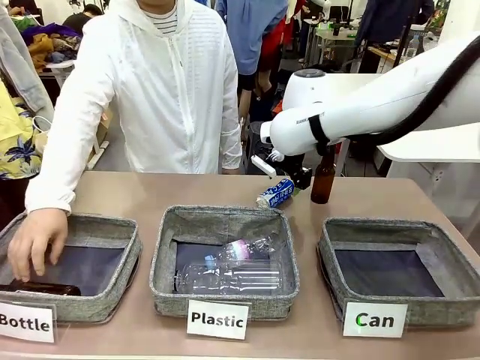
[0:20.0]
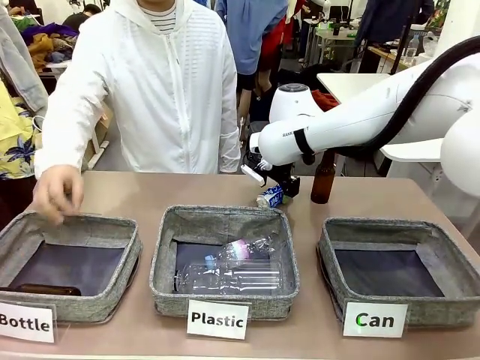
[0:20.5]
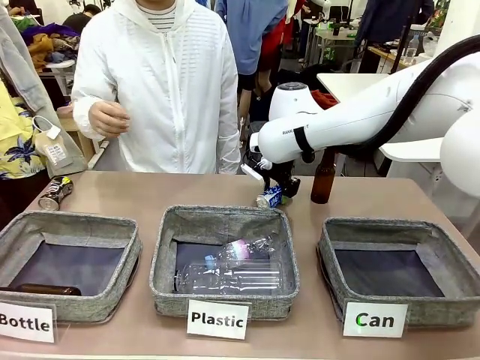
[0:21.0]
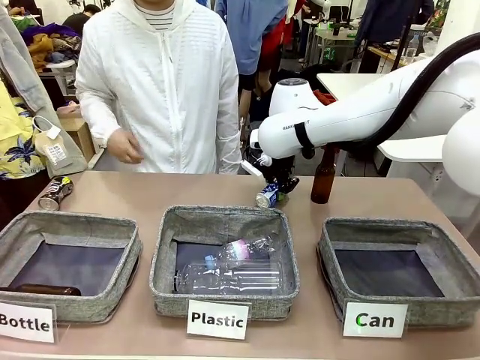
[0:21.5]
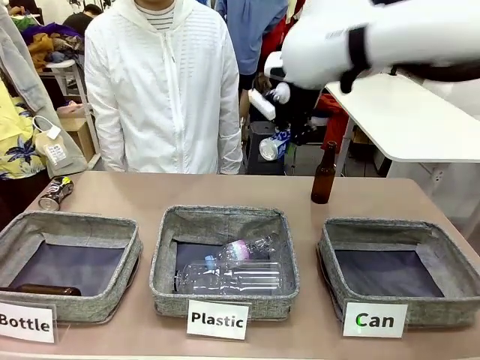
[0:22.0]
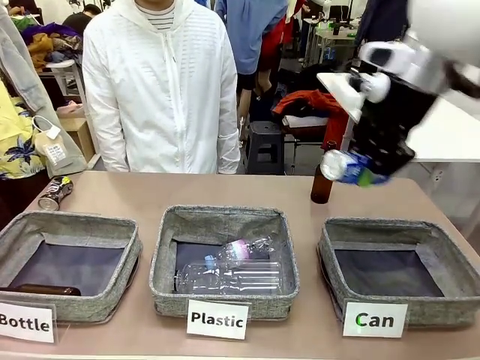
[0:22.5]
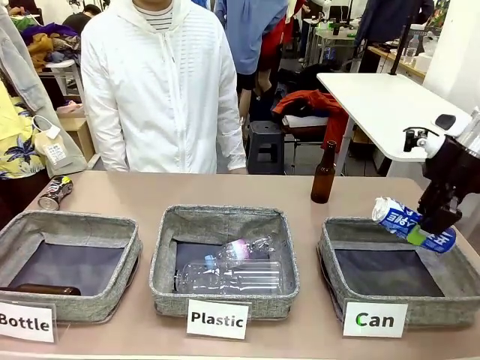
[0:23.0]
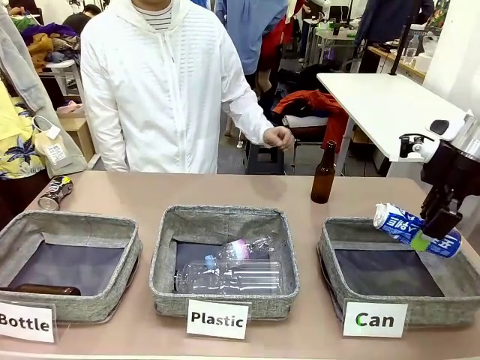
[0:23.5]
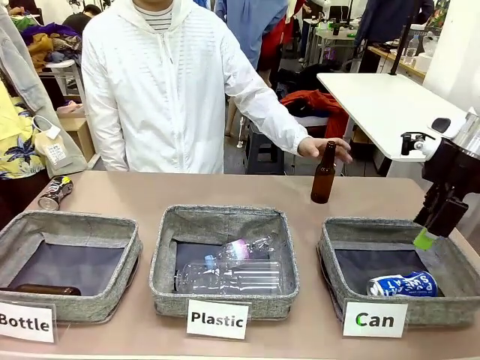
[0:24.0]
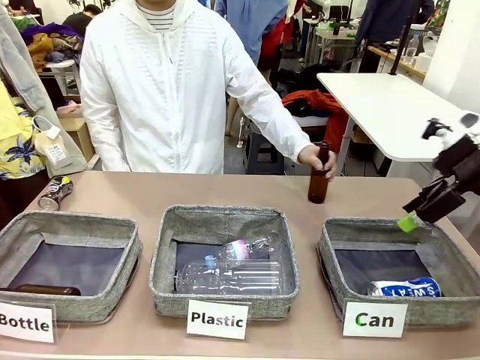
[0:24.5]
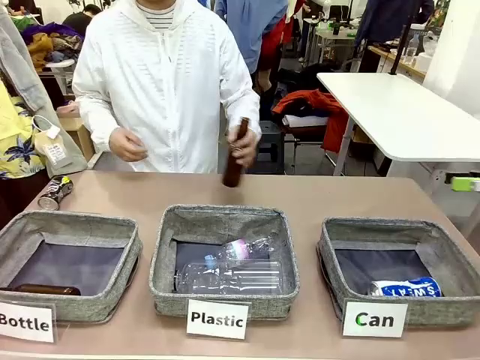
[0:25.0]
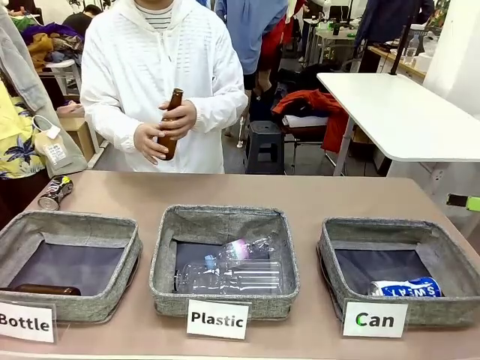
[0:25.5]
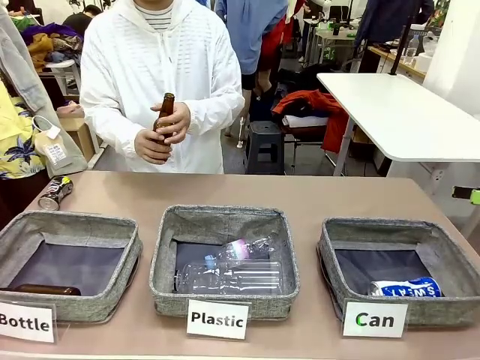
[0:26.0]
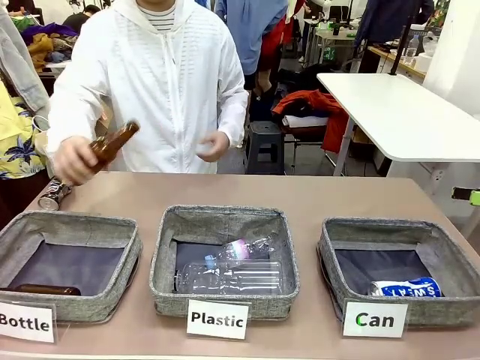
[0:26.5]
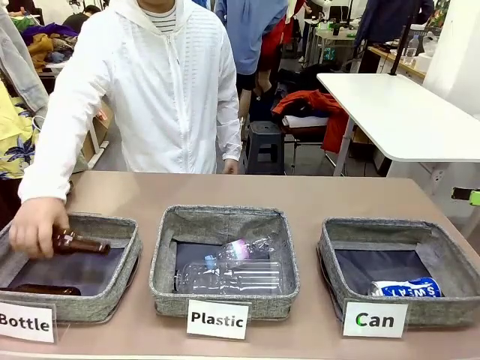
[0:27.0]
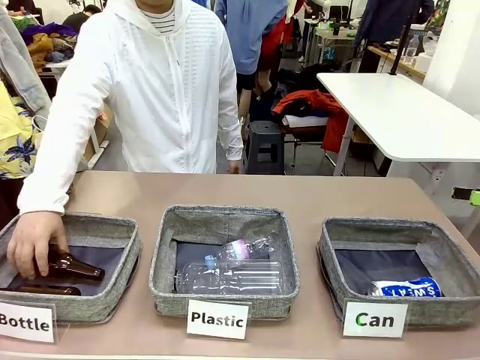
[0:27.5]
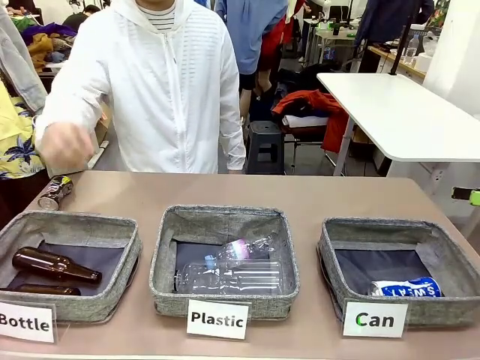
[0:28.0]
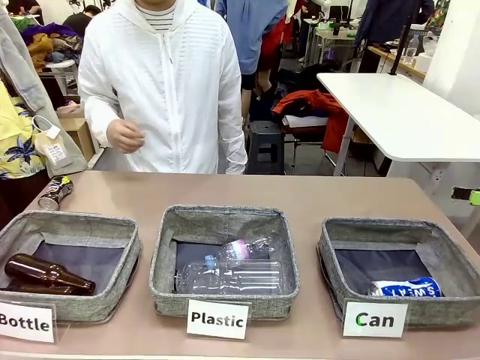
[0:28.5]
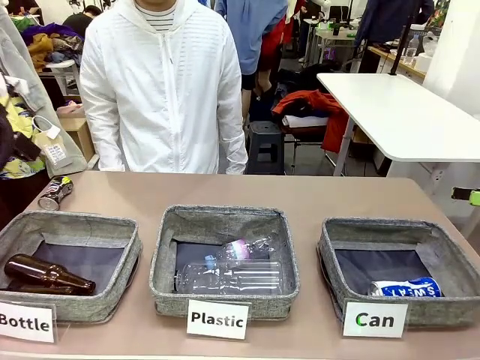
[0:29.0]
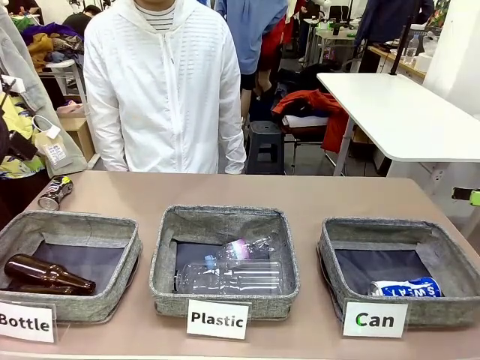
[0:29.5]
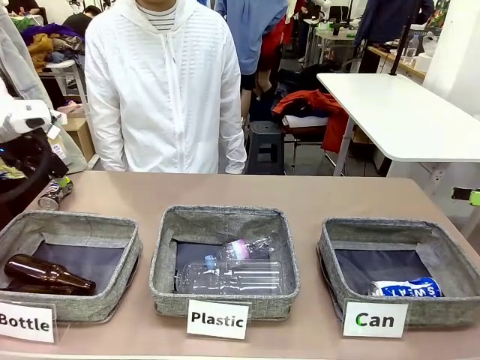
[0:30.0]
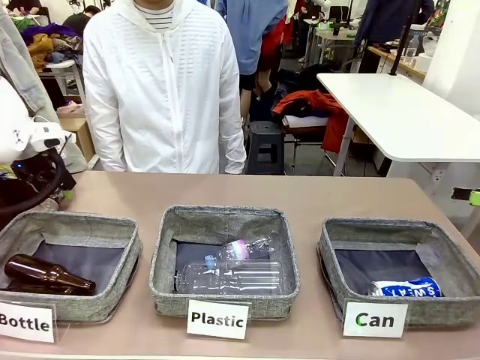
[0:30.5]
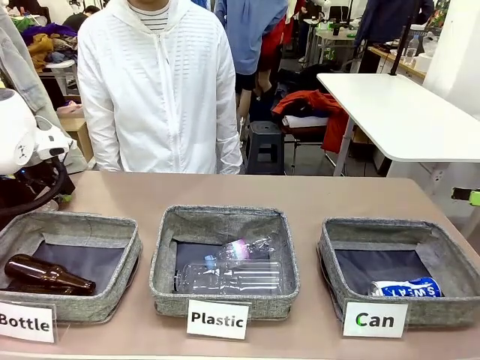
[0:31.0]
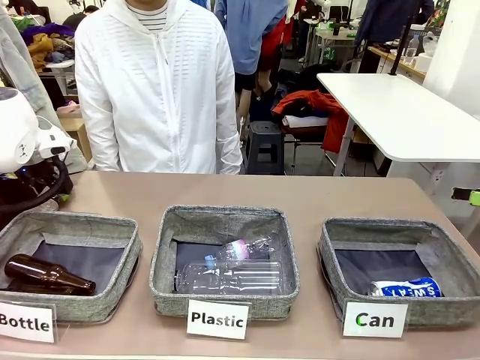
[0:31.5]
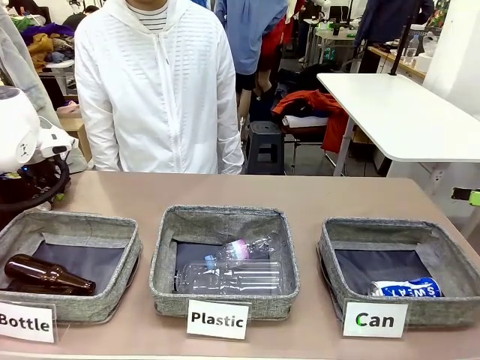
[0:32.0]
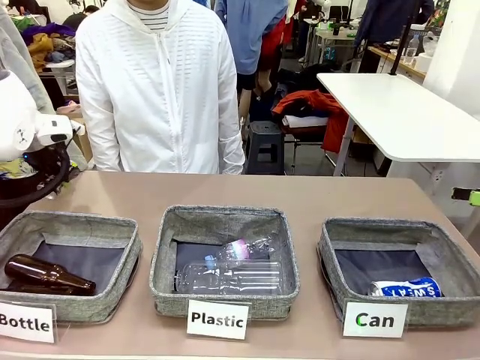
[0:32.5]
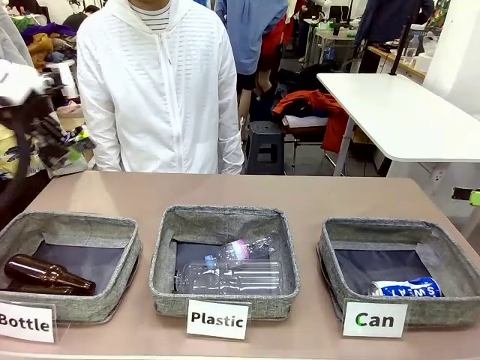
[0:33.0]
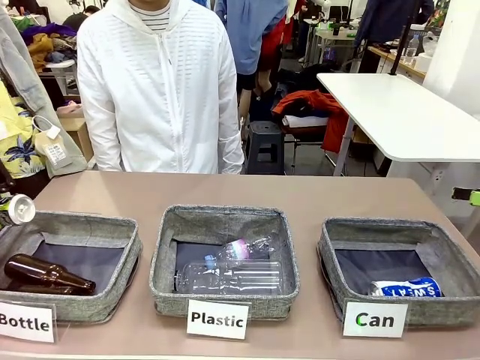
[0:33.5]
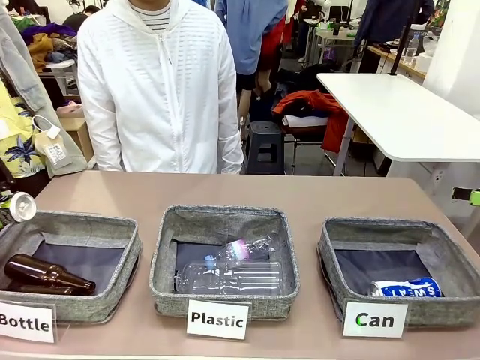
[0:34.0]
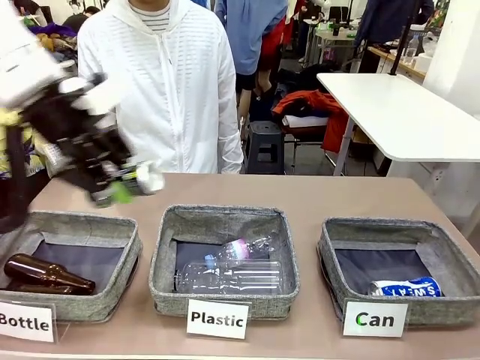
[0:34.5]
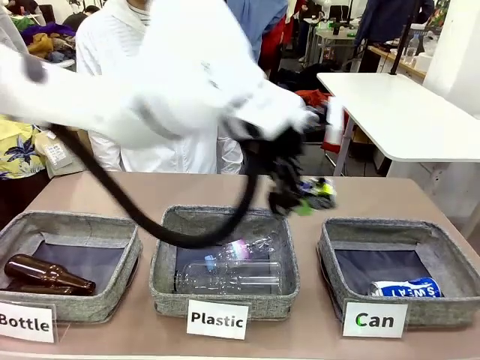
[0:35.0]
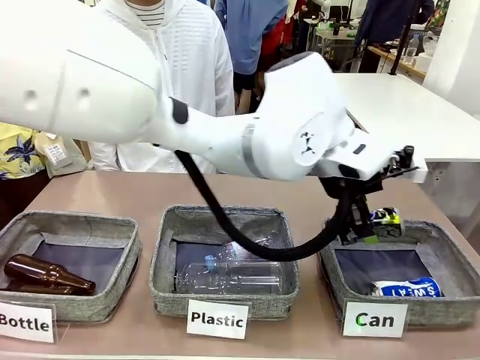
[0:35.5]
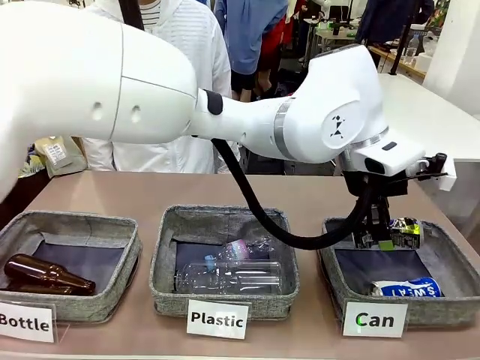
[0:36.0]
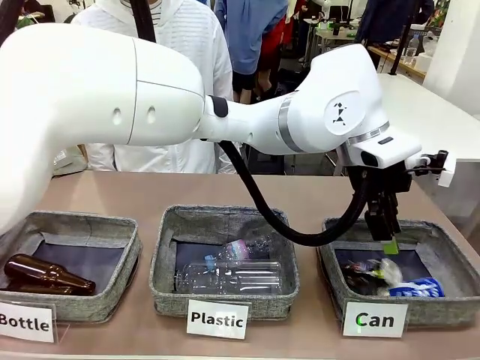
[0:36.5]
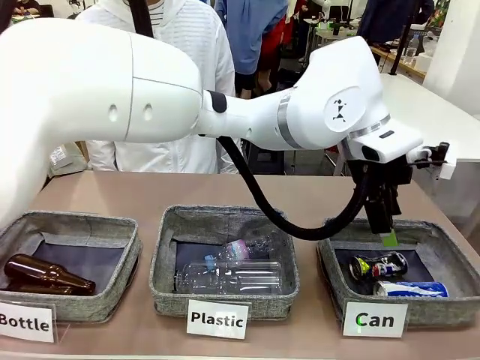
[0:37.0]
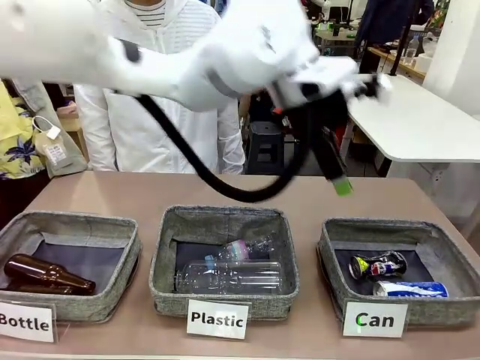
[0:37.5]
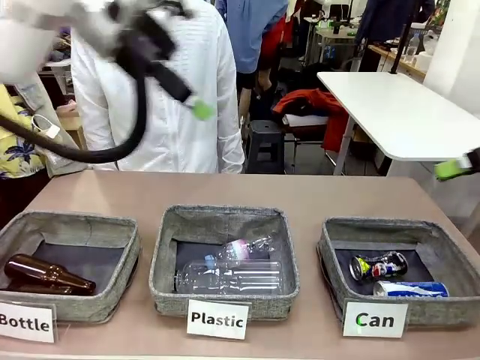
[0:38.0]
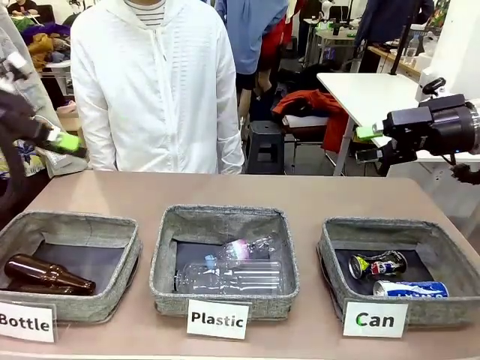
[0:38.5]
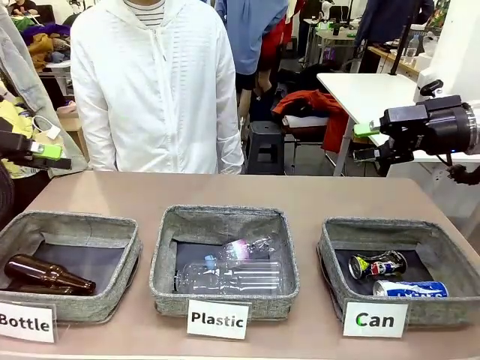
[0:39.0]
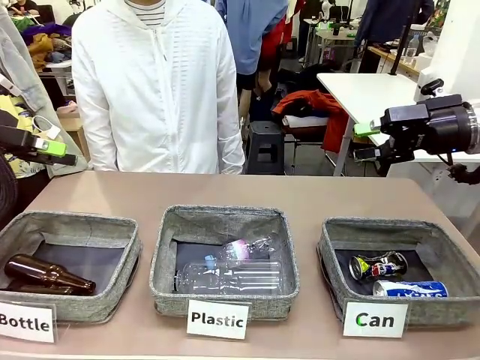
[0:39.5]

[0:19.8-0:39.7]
Task: Sort the can waste into the basket.
Robot: Pick up the can waste from the table and place it in the right Fabric basket.
Person: The human picks up one piece of trash that is not a can and places the trash into the appropriate organizing basket.
